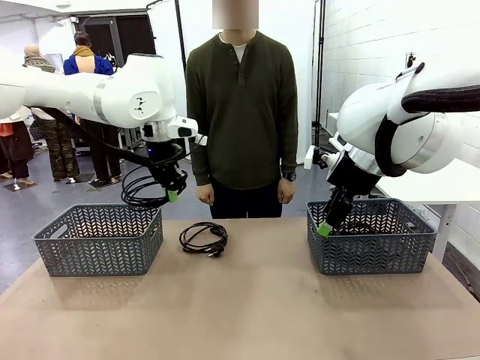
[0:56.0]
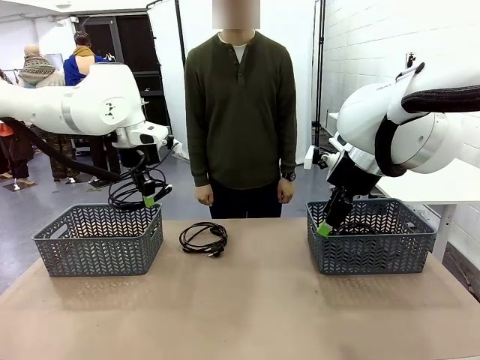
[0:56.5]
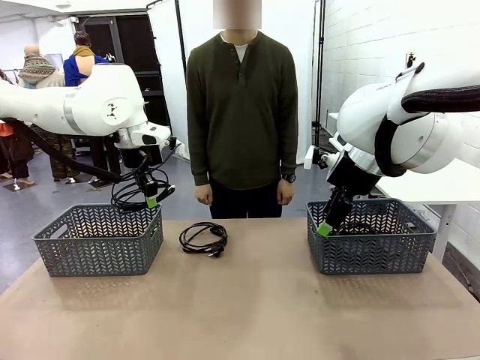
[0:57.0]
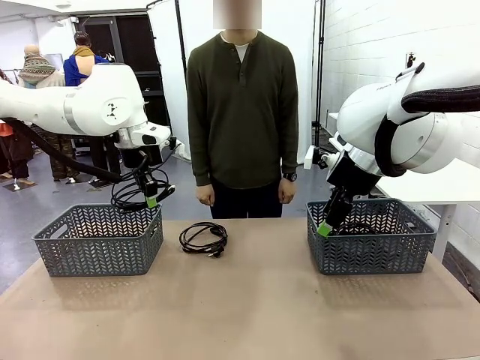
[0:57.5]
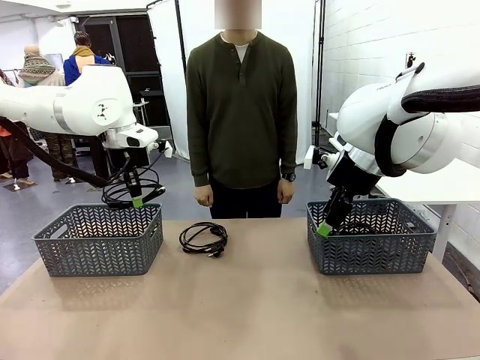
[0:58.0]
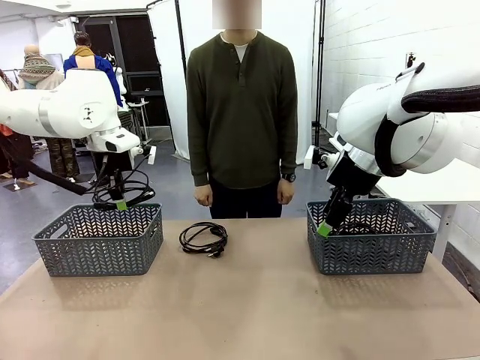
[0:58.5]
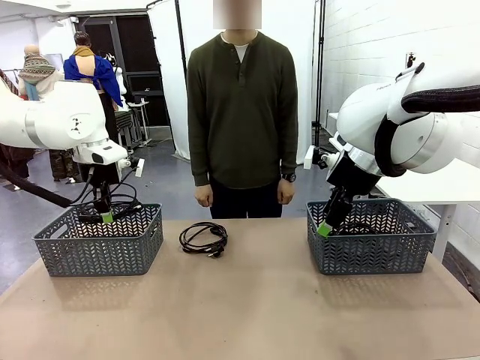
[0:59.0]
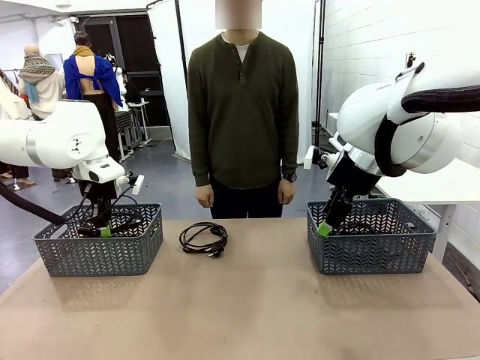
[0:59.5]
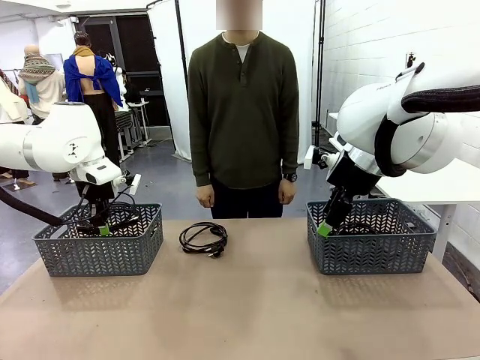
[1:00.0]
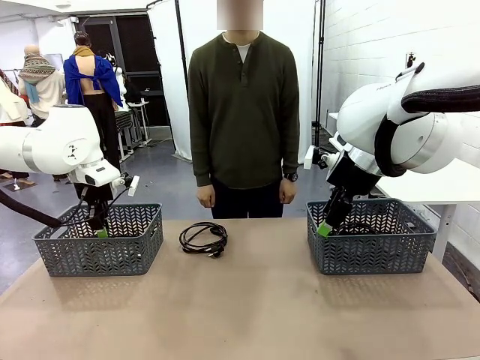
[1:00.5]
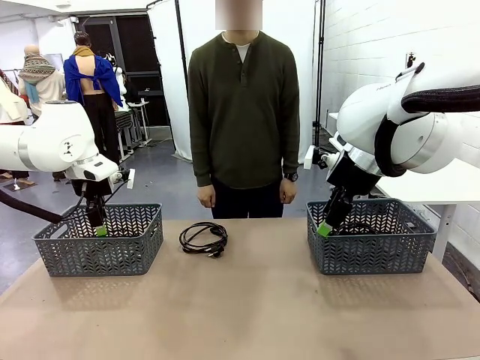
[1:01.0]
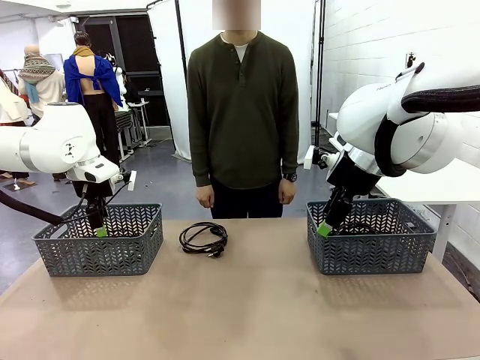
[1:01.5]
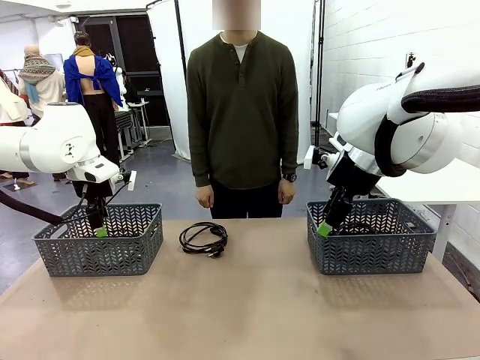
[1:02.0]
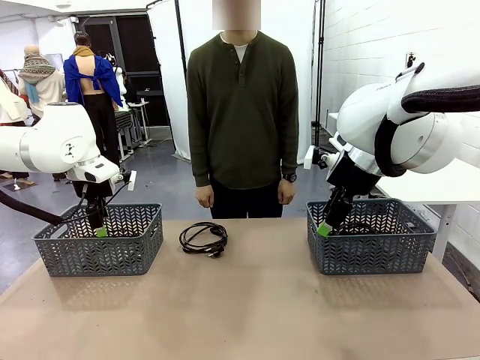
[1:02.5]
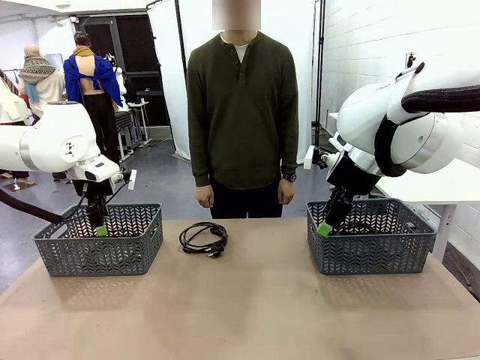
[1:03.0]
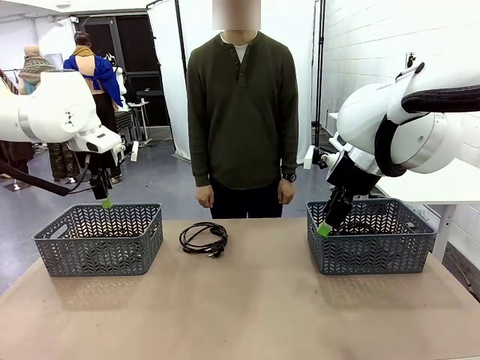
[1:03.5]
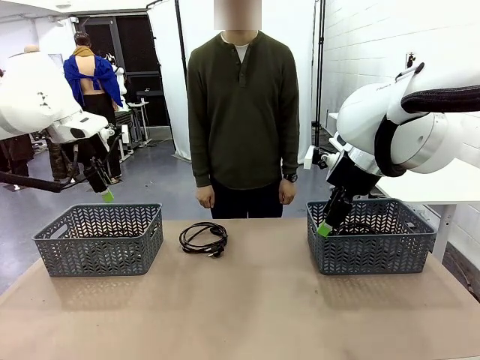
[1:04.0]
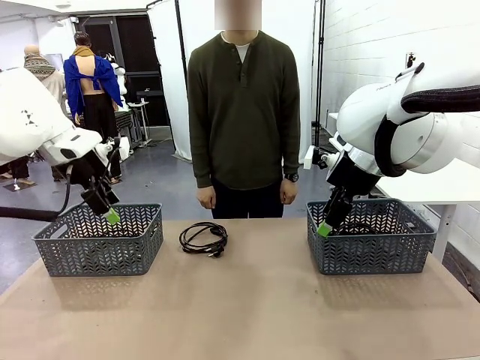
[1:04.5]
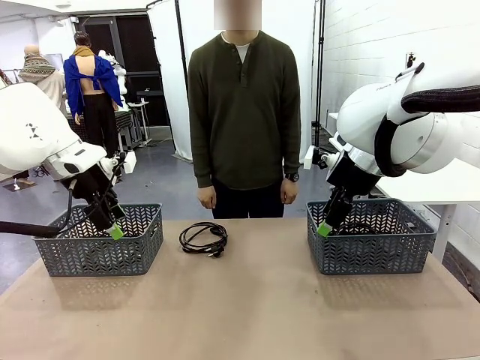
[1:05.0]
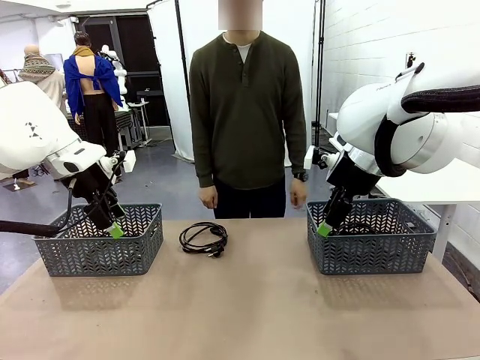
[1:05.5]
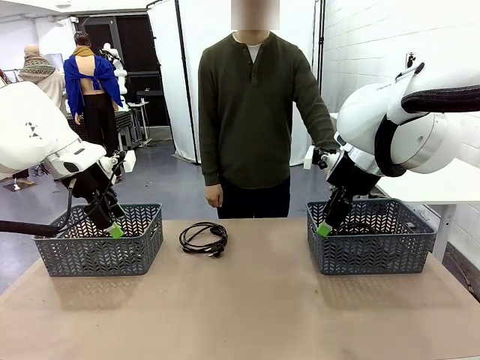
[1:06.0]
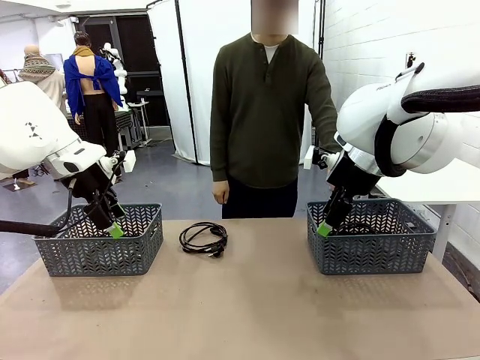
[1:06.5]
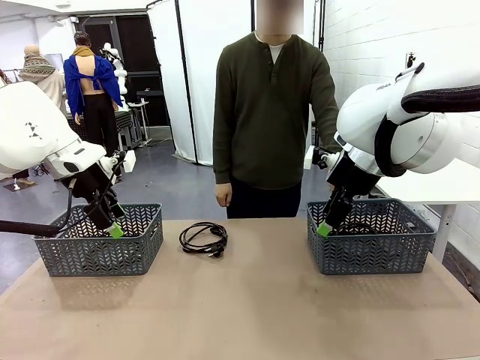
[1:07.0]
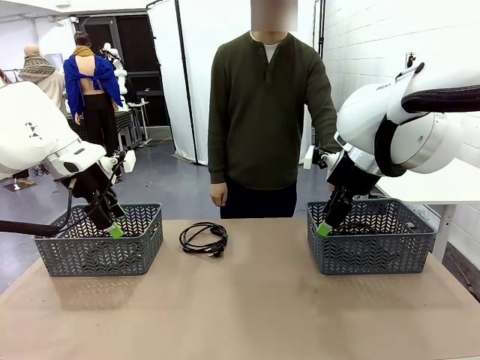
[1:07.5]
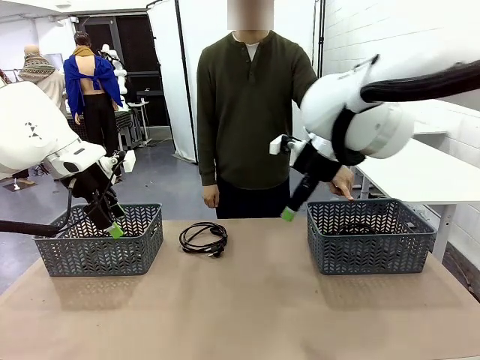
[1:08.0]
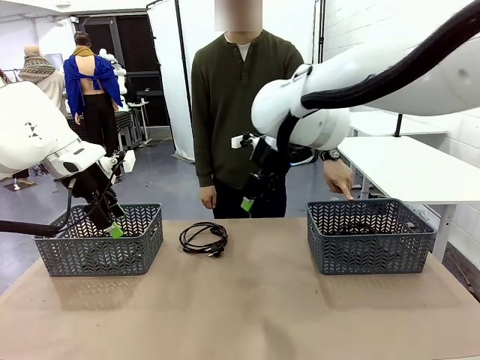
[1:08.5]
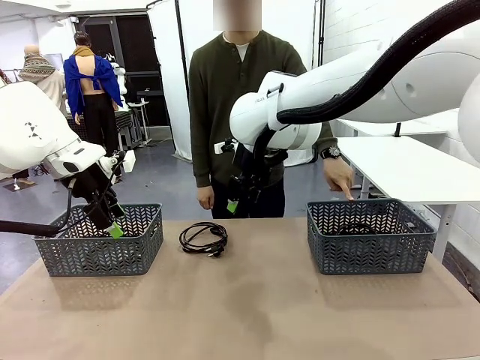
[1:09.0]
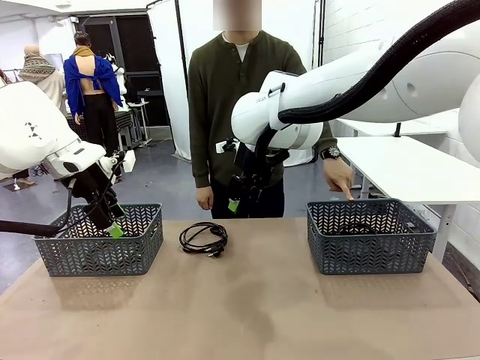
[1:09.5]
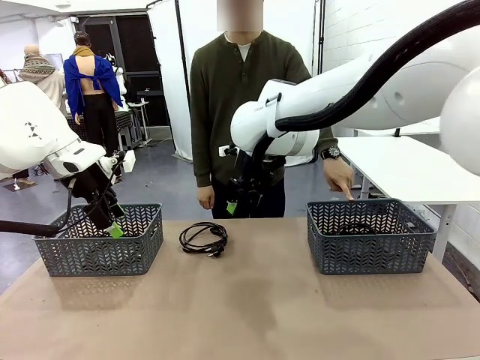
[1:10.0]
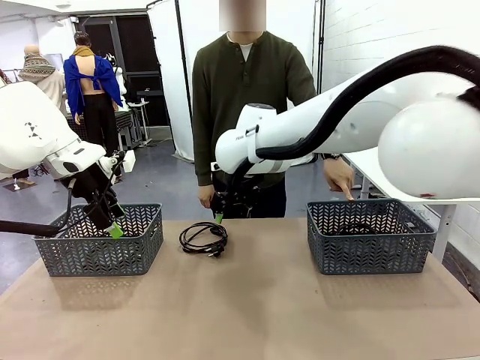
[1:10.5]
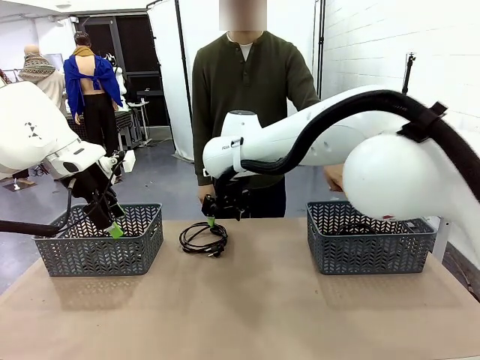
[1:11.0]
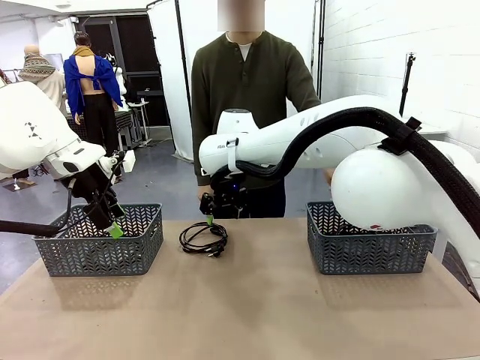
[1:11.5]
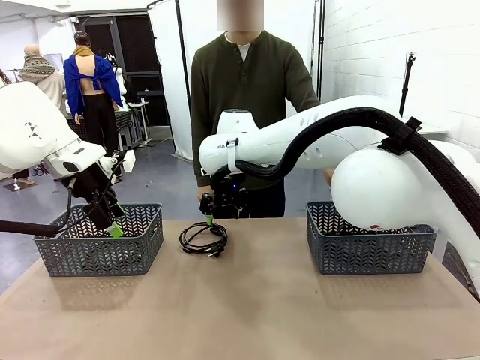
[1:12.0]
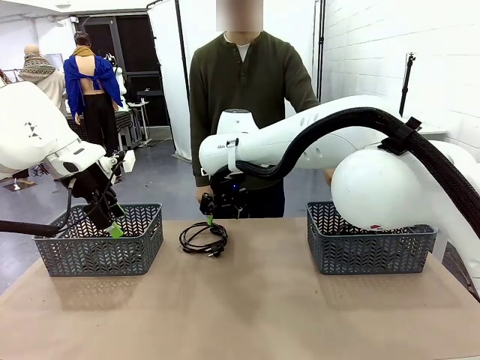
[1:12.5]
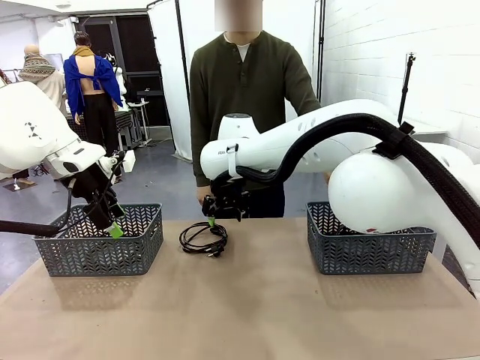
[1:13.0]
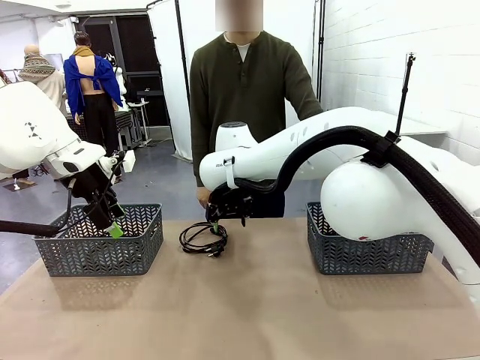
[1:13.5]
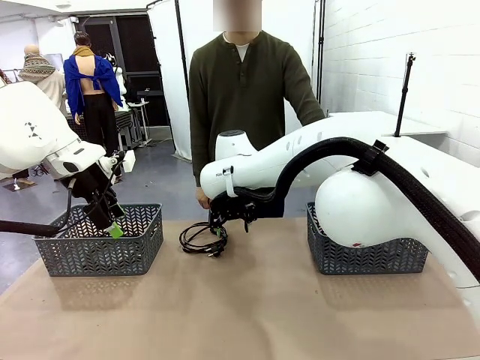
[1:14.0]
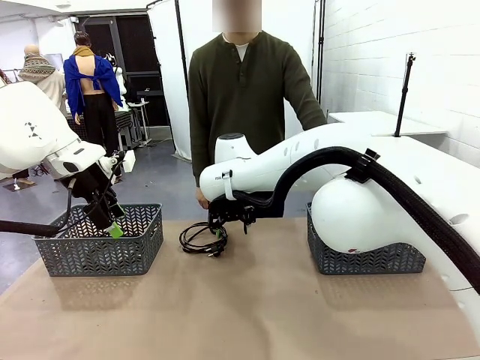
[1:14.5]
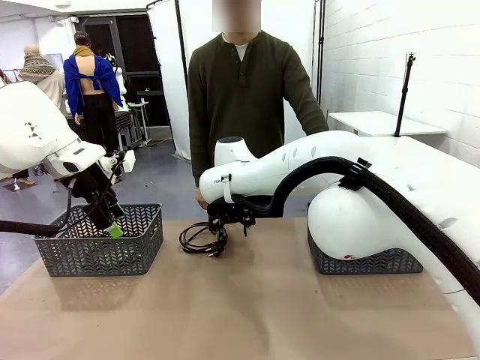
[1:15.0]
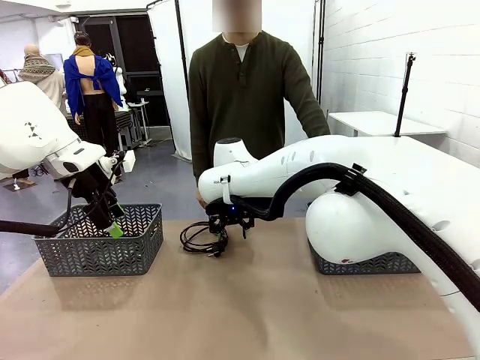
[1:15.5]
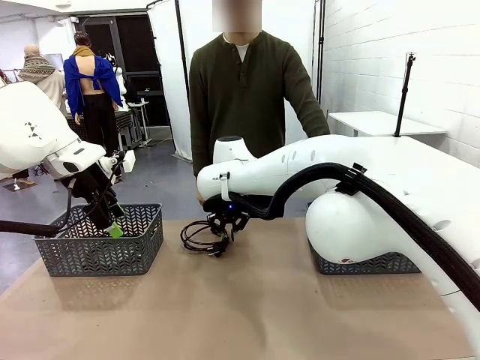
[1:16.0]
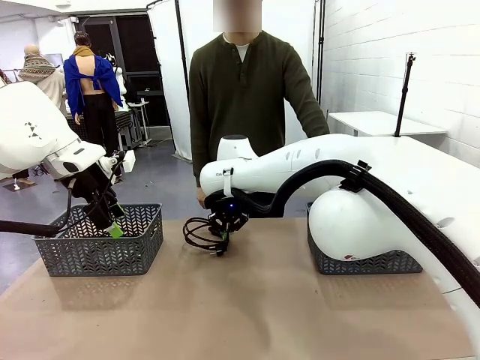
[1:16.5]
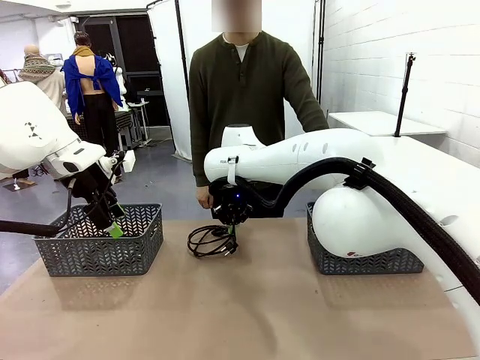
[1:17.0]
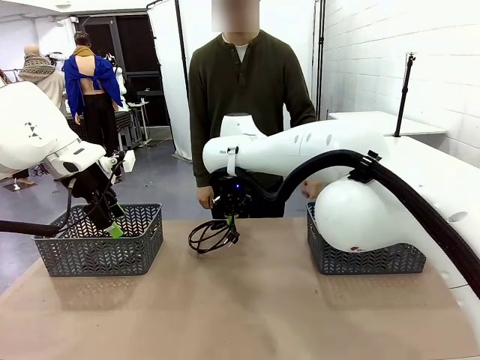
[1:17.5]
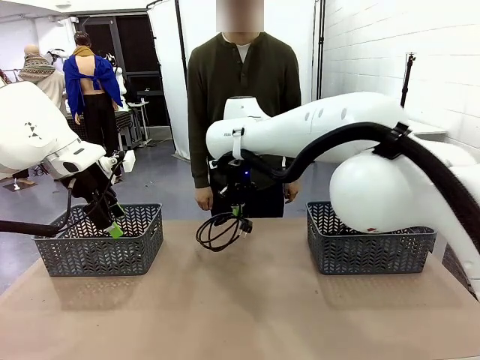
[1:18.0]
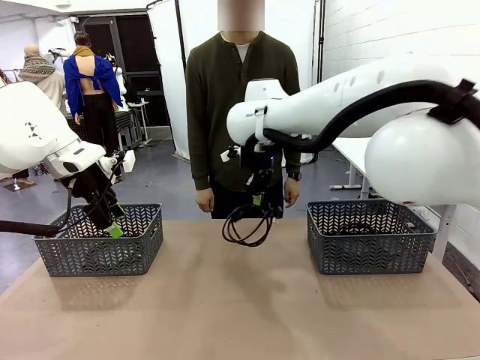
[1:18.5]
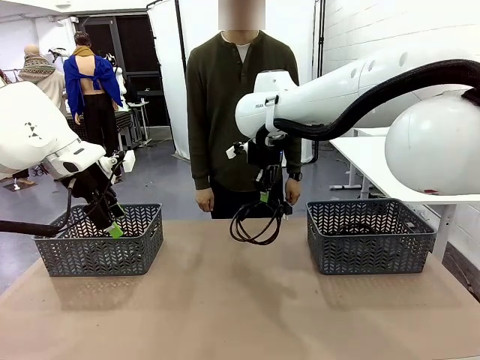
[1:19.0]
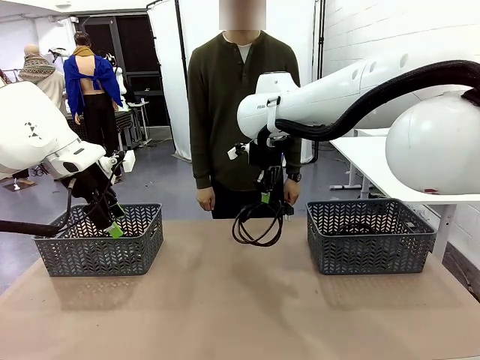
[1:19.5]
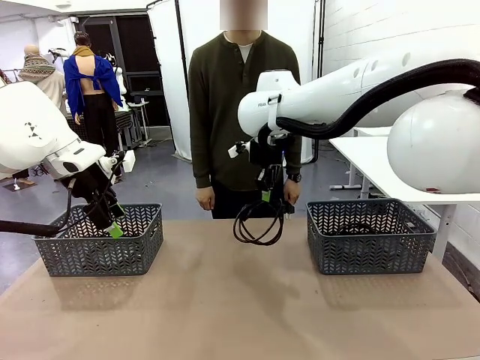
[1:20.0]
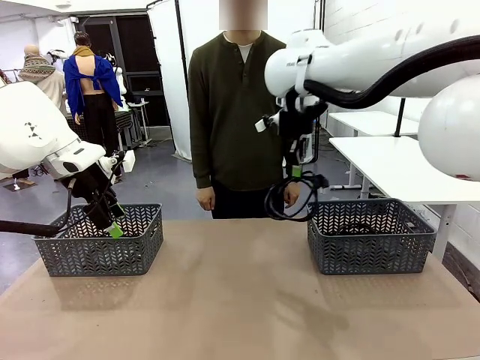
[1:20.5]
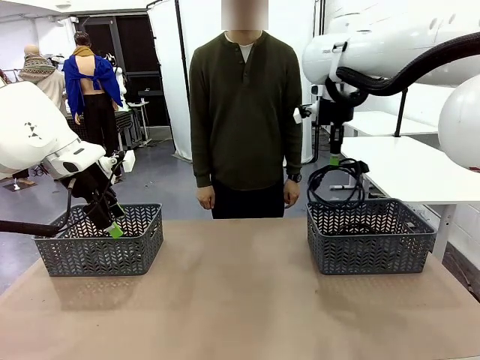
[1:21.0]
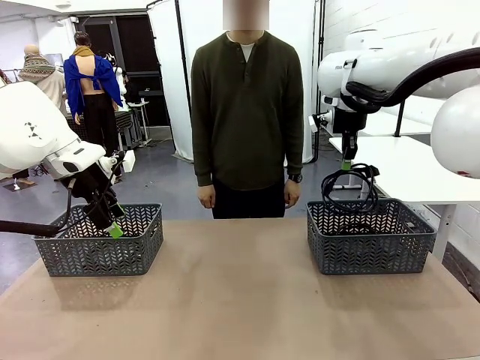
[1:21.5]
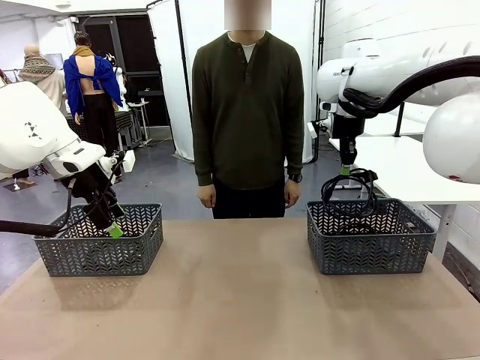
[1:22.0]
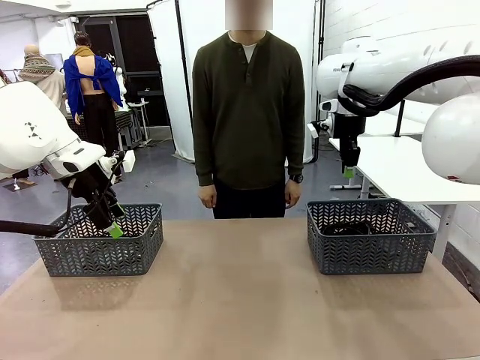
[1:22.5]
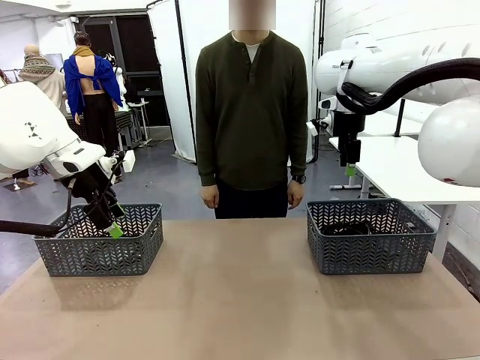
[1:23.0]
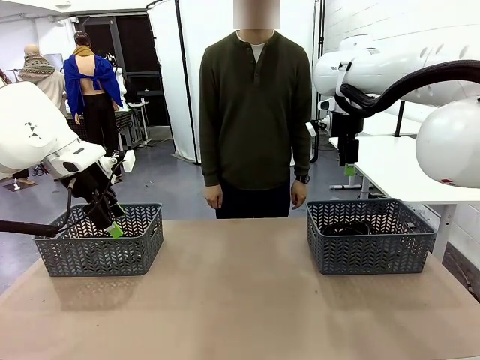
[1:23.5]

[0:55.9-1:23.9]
Task: Organize the cables according to human instructions.
Robot: Pick up a bundle of cables and place it in the basket indicated by the human.
